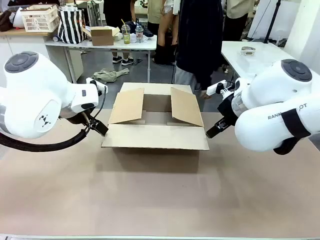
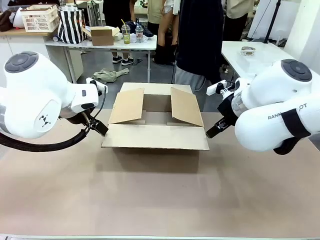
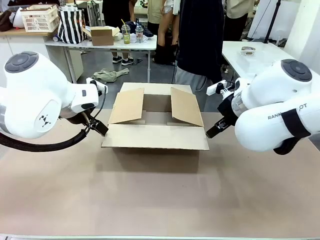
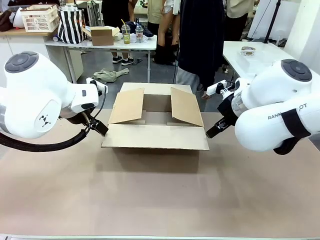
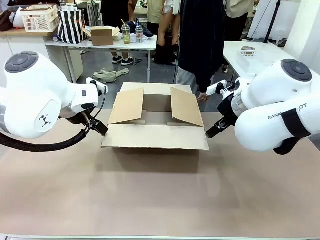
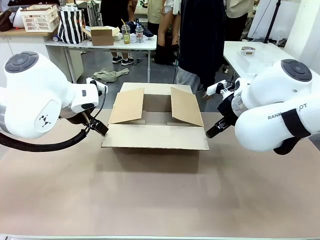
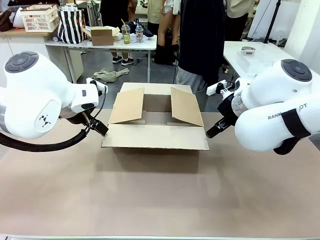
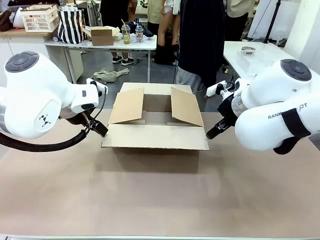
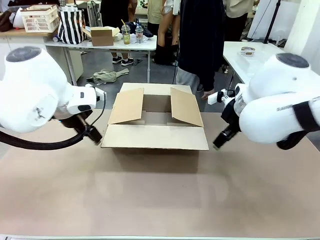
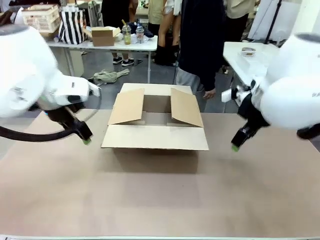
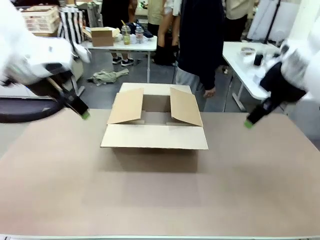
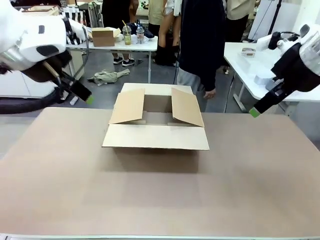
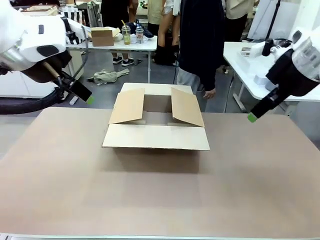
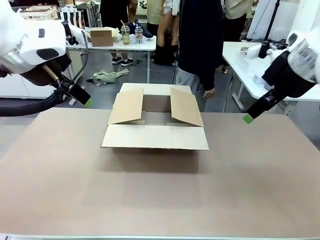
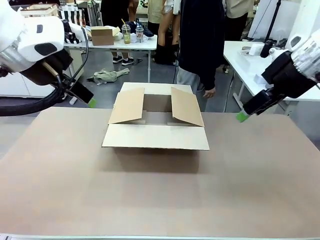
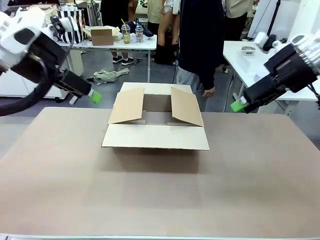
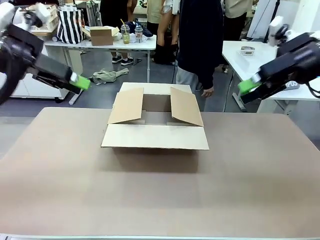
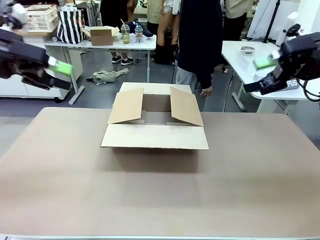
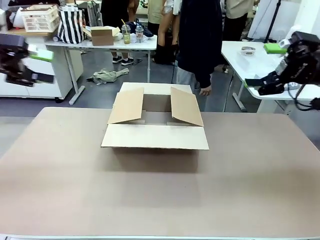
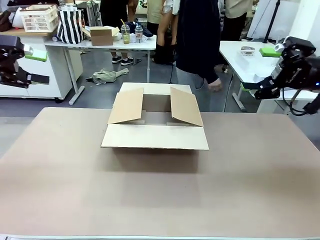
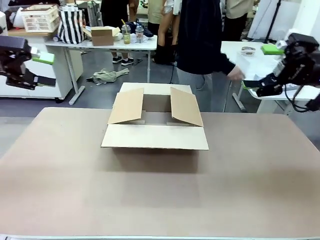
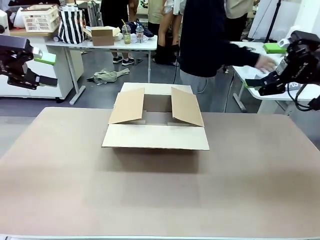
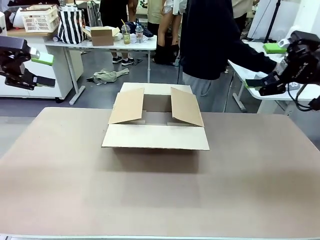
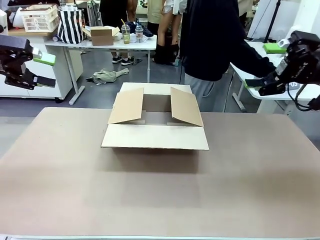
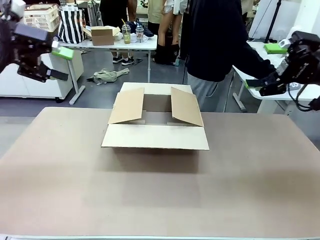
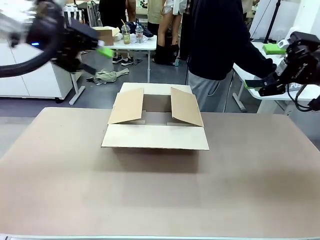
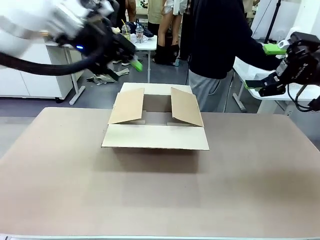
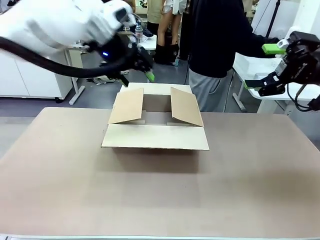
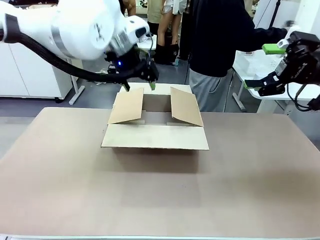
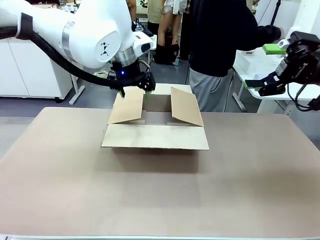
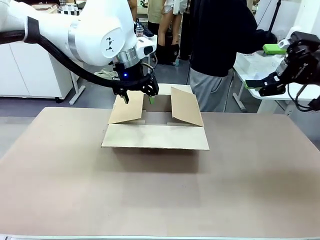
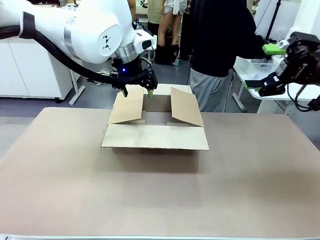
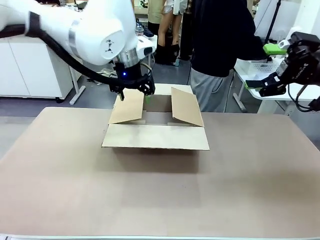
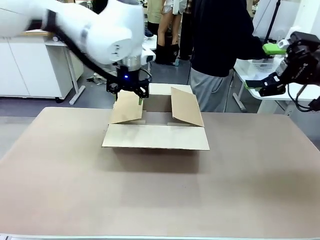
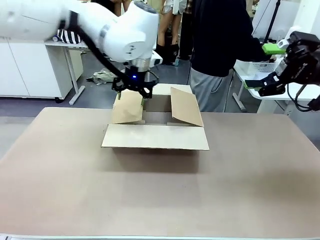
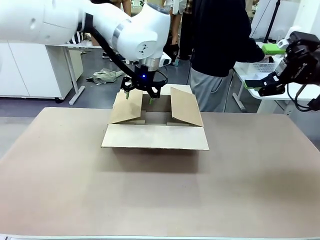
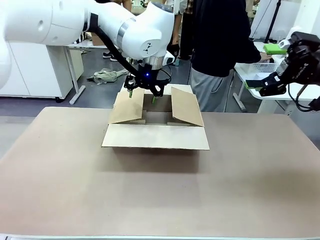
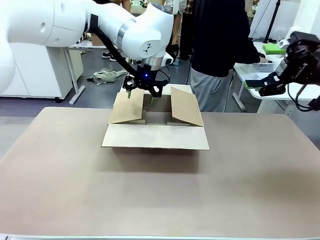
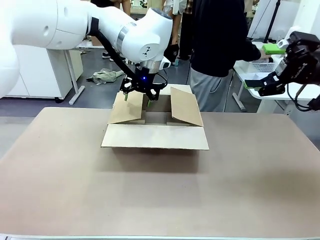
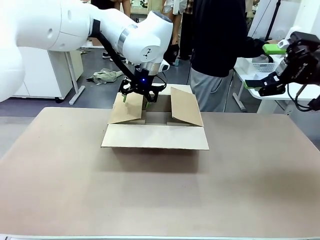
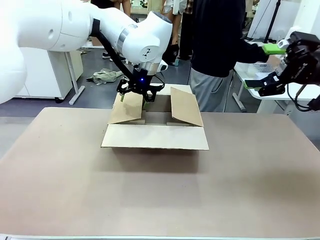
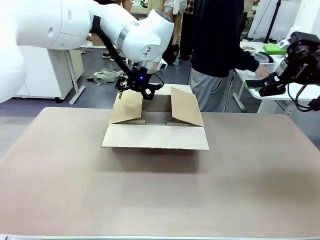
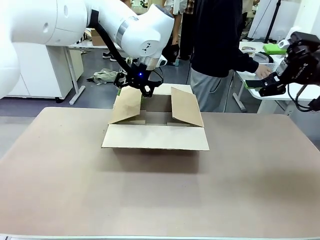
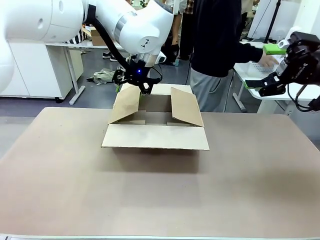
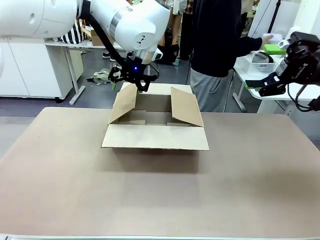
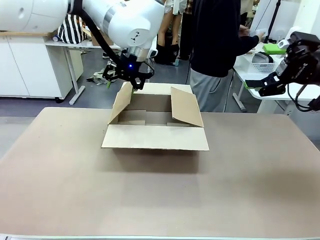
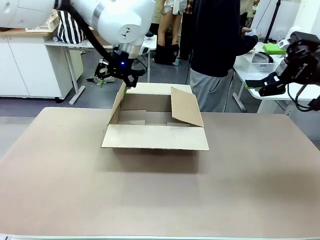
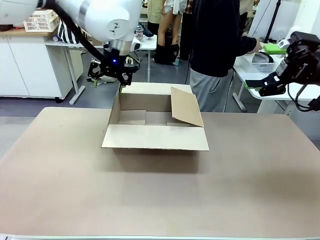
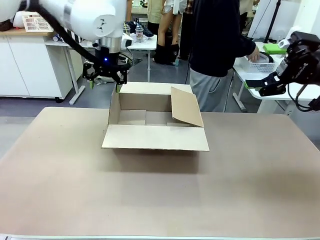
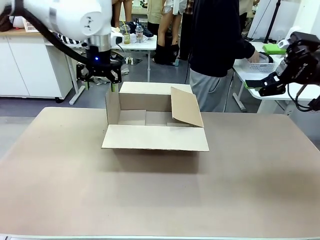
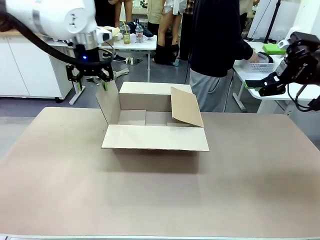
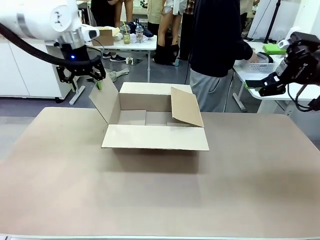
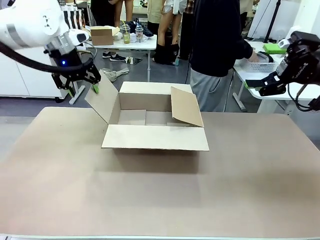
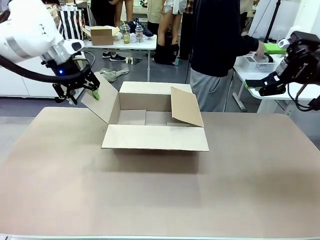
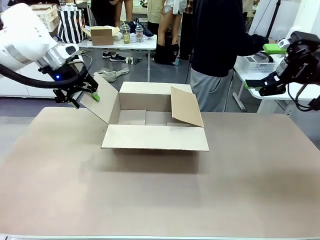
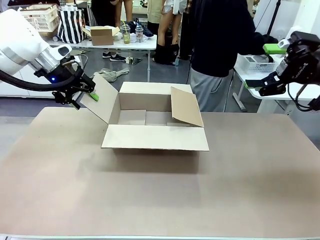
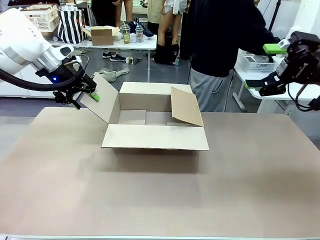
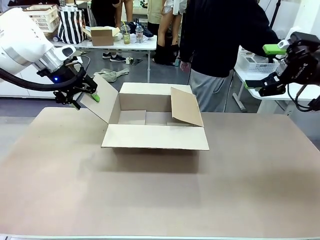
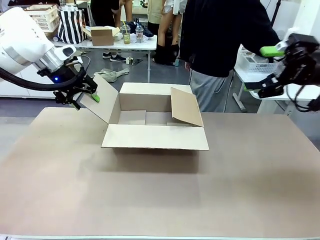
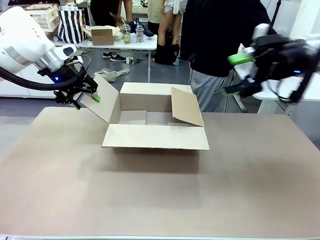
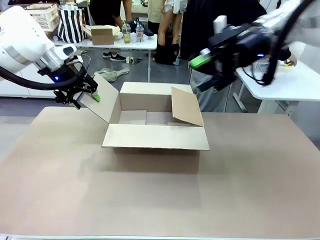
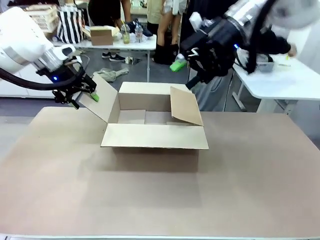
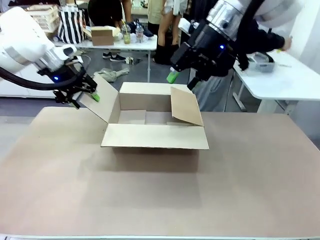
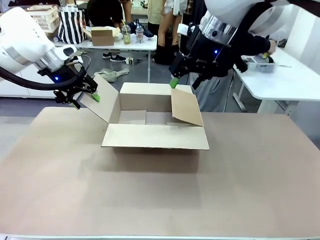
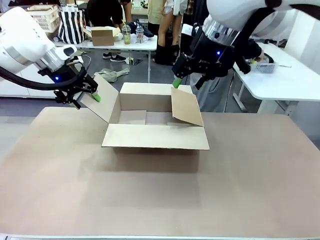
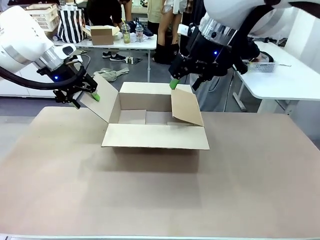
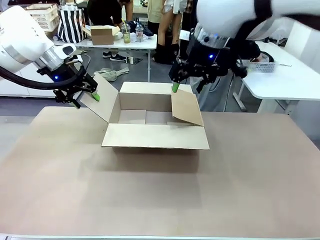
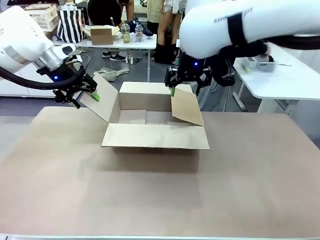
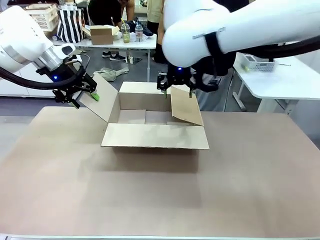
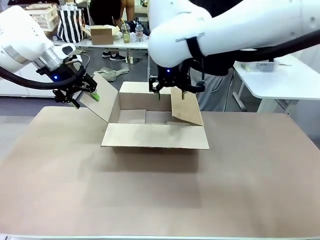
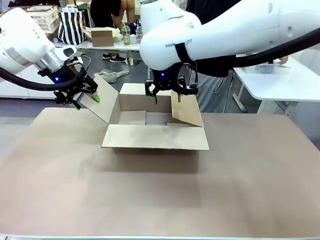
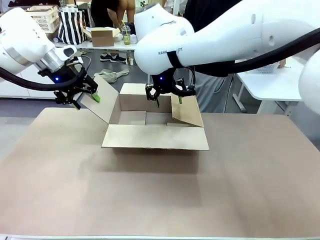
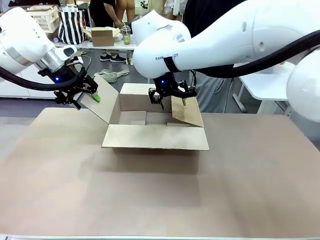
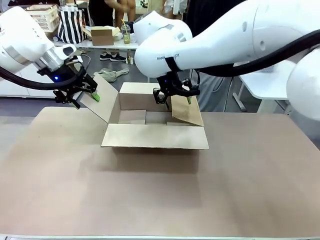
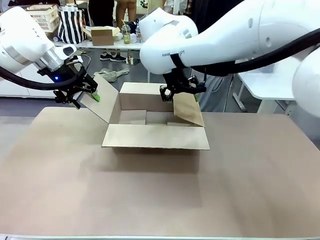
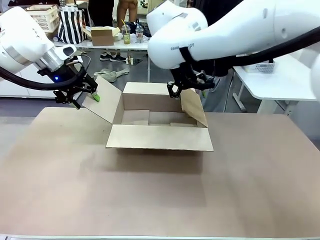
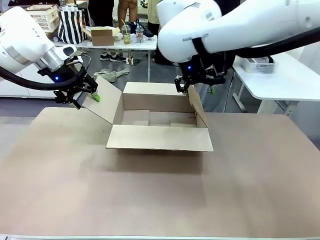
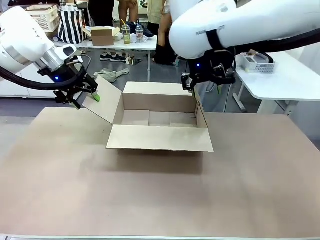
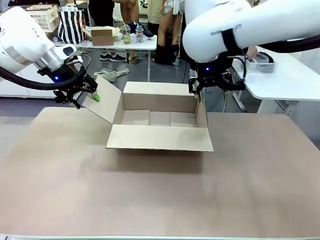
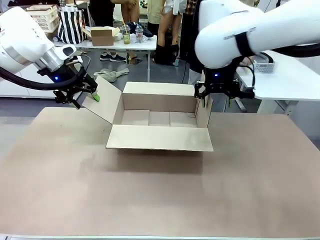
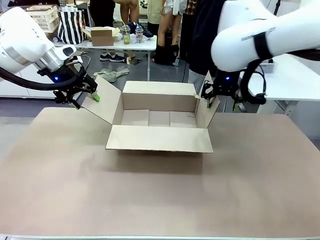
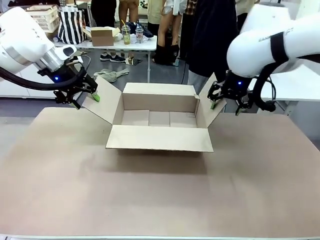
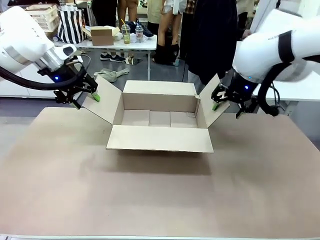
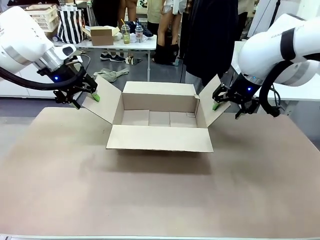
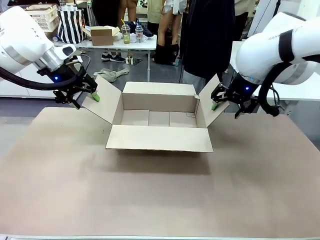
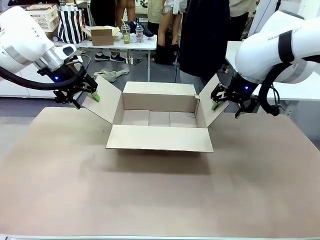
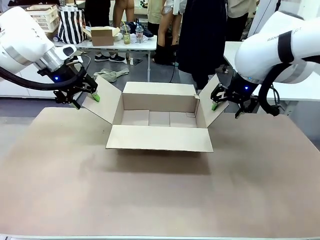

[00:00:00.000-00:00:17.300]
Task: Pack the gift set into the box.
Robot: Place both hands on the side flaps of the Package Box and spread them outward.
Person: The human places all items except the paper tape into the organizing basket.
